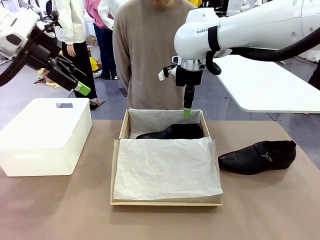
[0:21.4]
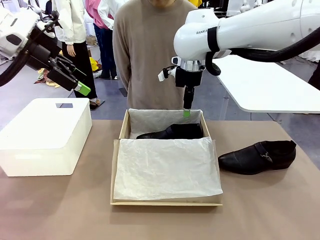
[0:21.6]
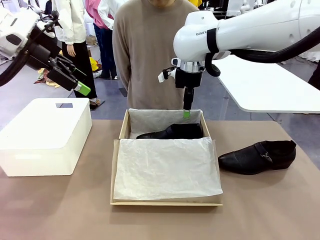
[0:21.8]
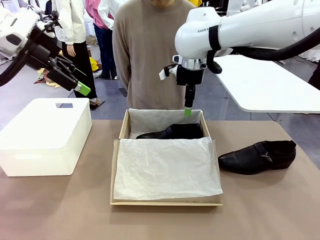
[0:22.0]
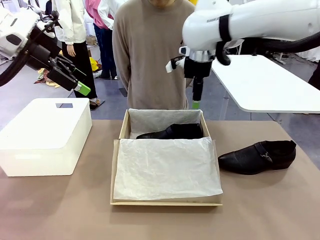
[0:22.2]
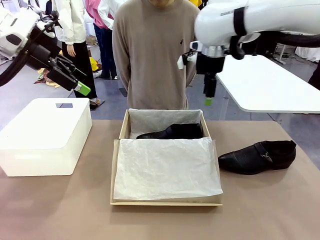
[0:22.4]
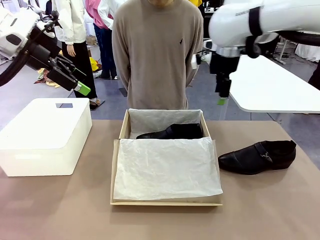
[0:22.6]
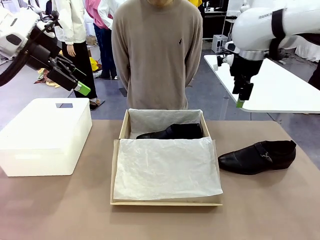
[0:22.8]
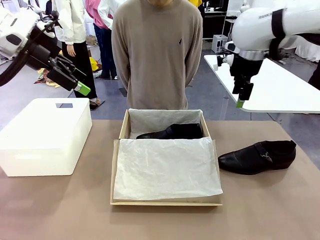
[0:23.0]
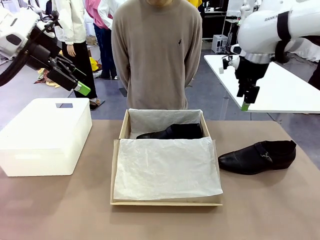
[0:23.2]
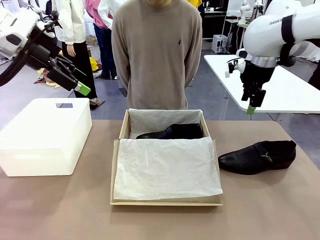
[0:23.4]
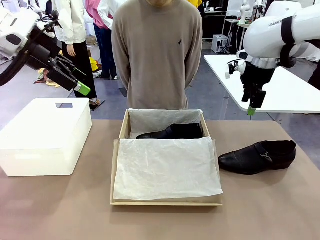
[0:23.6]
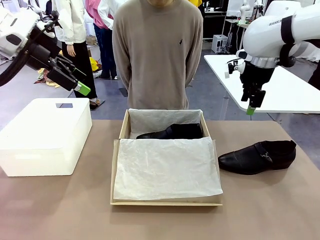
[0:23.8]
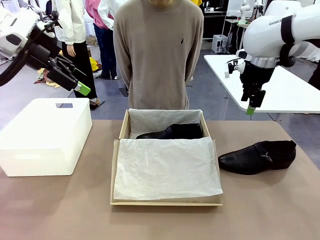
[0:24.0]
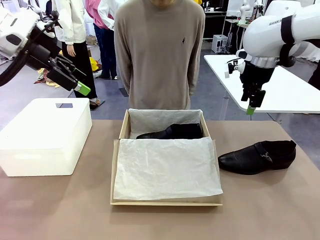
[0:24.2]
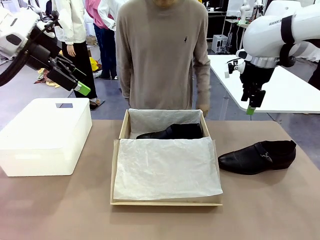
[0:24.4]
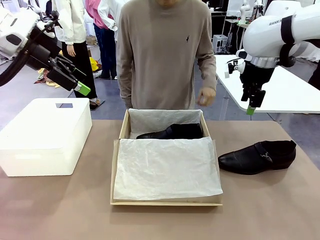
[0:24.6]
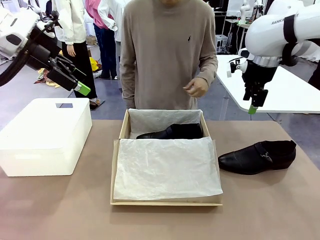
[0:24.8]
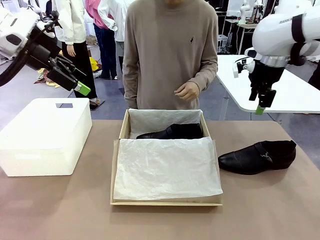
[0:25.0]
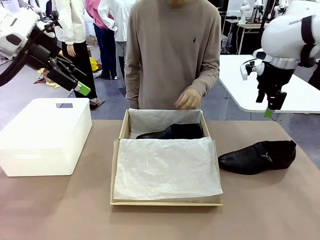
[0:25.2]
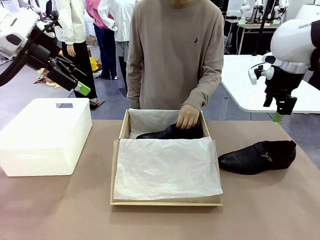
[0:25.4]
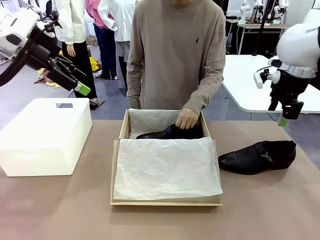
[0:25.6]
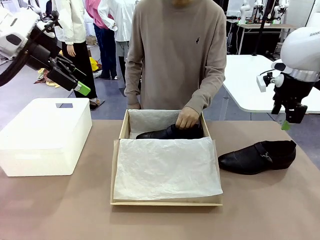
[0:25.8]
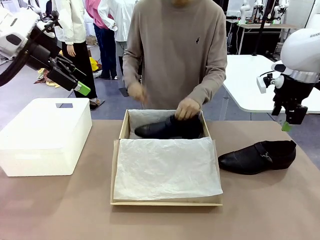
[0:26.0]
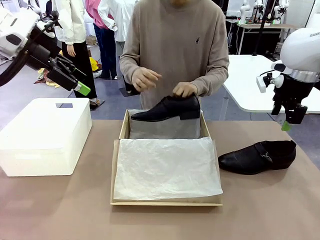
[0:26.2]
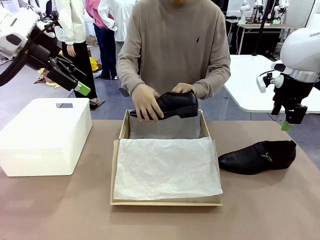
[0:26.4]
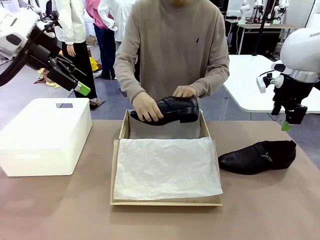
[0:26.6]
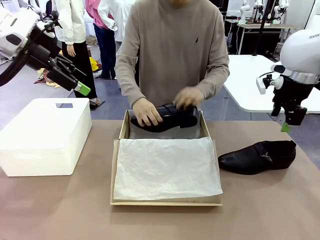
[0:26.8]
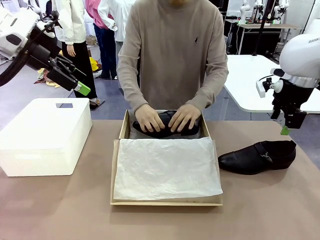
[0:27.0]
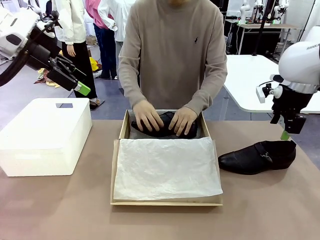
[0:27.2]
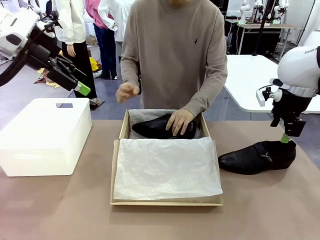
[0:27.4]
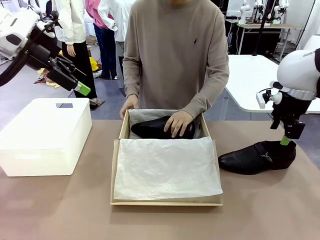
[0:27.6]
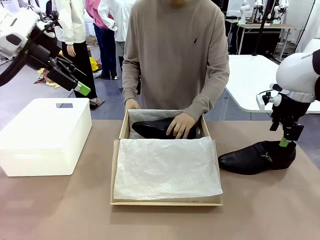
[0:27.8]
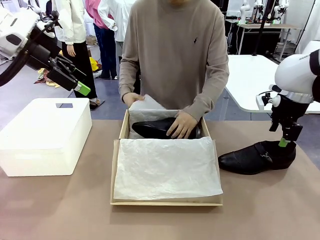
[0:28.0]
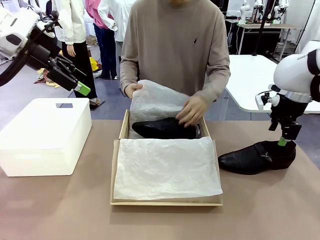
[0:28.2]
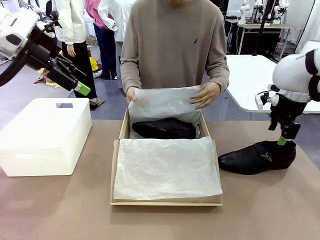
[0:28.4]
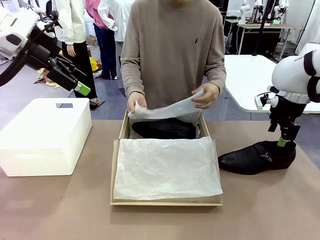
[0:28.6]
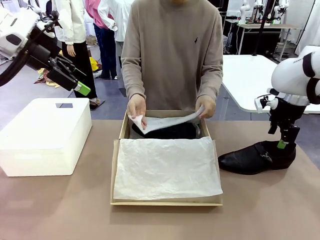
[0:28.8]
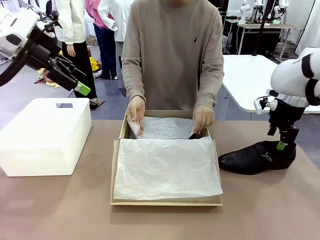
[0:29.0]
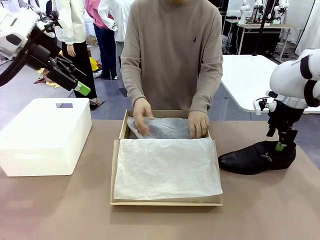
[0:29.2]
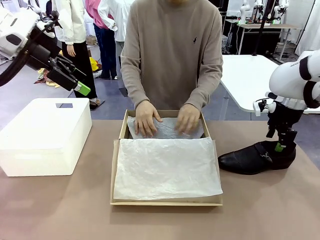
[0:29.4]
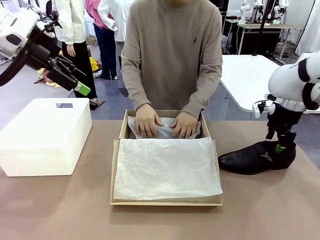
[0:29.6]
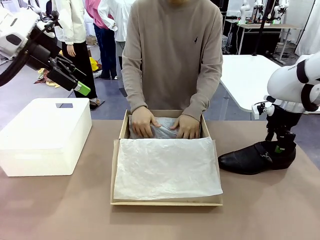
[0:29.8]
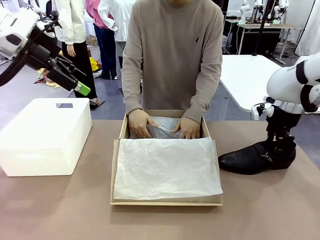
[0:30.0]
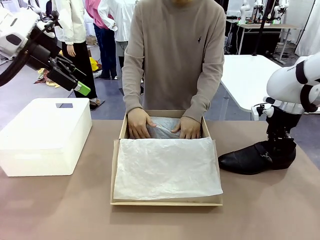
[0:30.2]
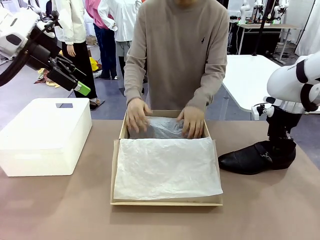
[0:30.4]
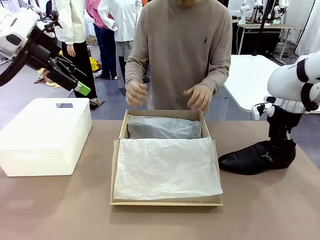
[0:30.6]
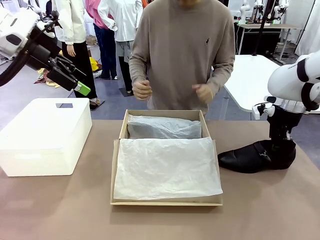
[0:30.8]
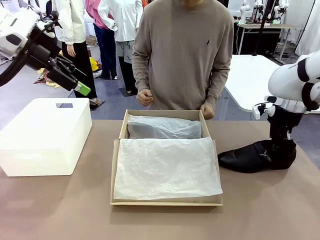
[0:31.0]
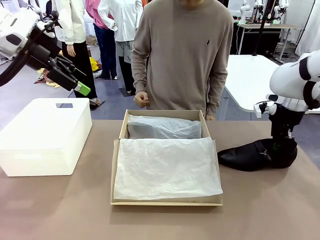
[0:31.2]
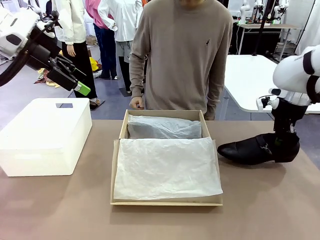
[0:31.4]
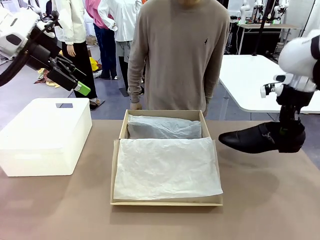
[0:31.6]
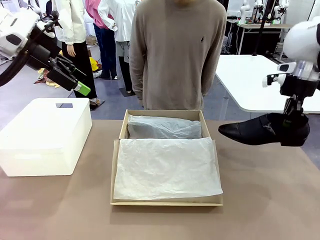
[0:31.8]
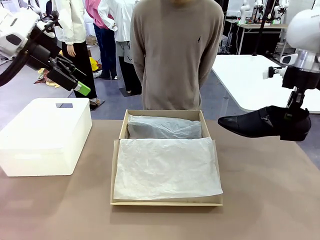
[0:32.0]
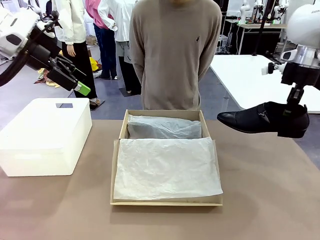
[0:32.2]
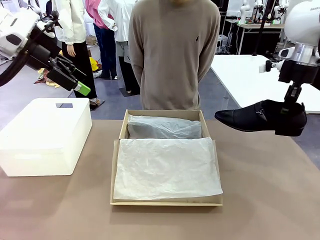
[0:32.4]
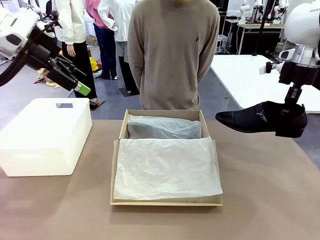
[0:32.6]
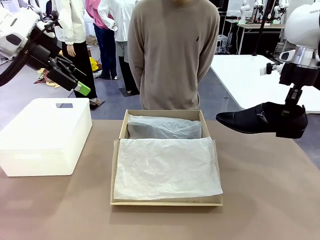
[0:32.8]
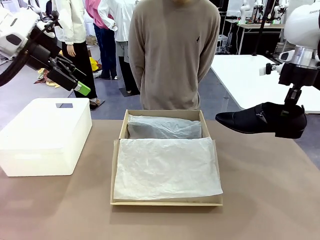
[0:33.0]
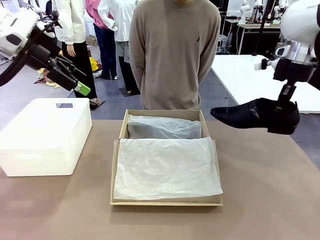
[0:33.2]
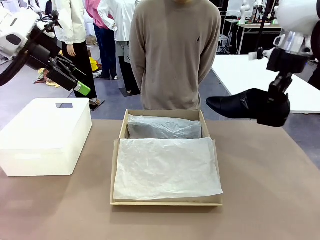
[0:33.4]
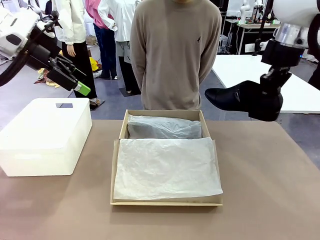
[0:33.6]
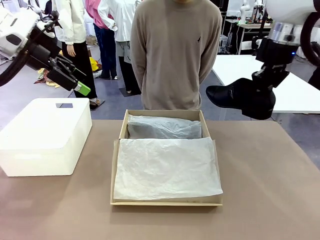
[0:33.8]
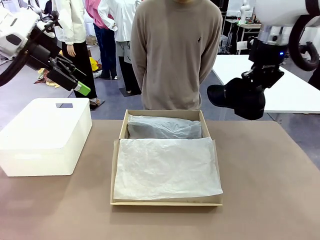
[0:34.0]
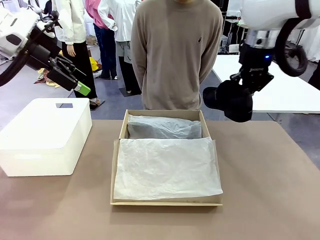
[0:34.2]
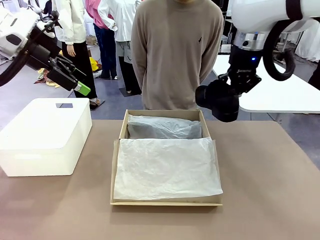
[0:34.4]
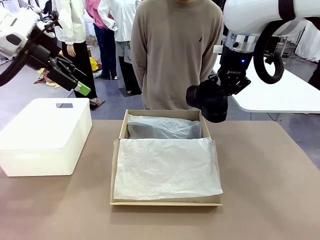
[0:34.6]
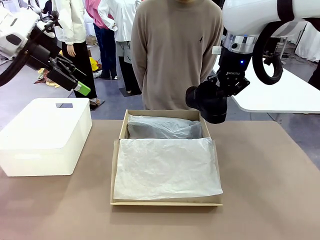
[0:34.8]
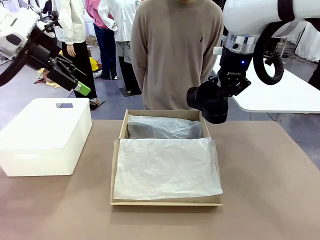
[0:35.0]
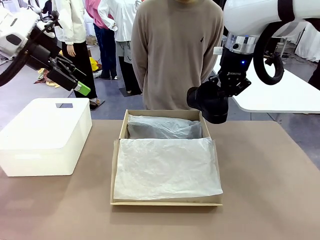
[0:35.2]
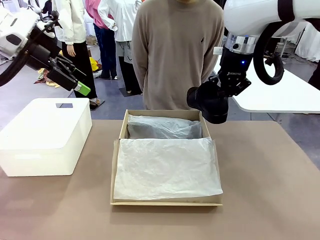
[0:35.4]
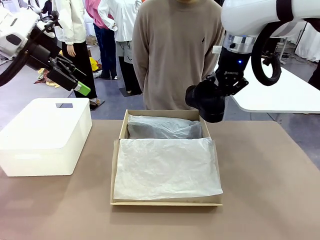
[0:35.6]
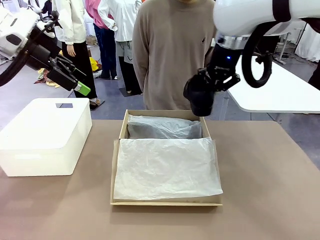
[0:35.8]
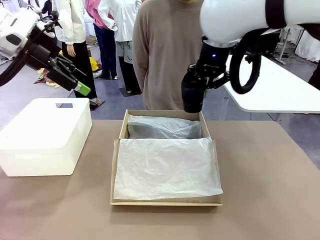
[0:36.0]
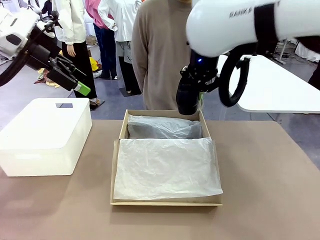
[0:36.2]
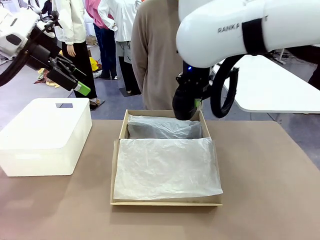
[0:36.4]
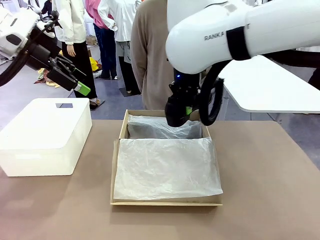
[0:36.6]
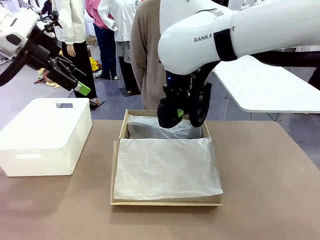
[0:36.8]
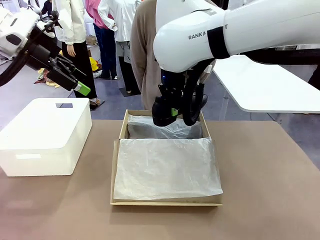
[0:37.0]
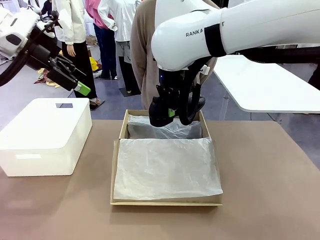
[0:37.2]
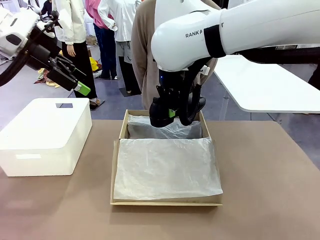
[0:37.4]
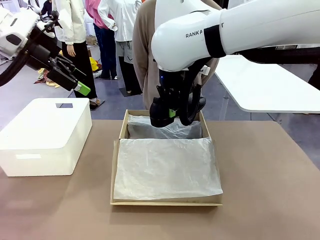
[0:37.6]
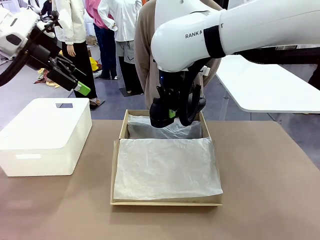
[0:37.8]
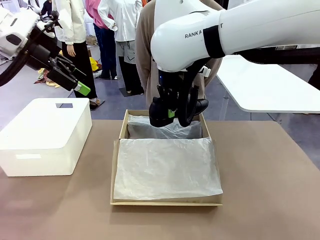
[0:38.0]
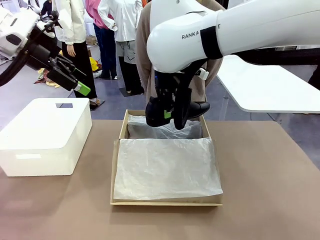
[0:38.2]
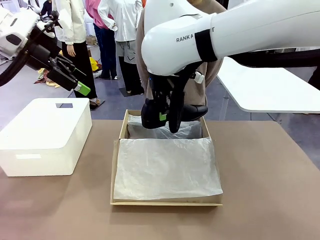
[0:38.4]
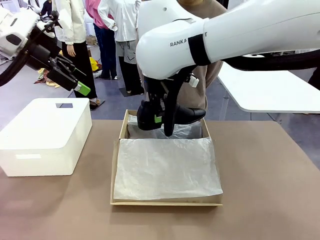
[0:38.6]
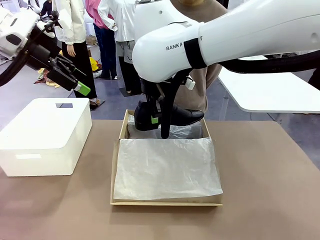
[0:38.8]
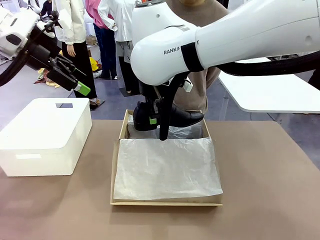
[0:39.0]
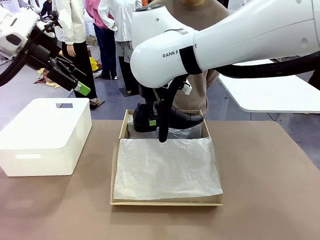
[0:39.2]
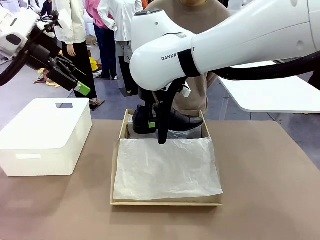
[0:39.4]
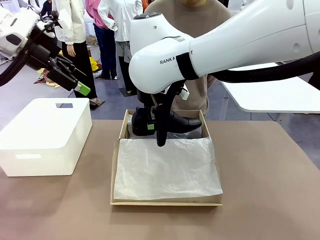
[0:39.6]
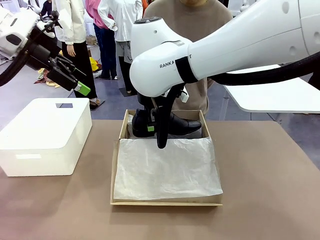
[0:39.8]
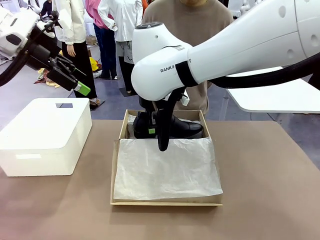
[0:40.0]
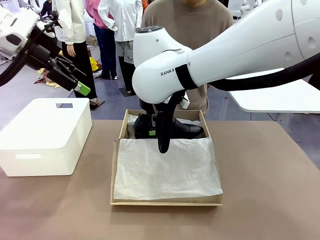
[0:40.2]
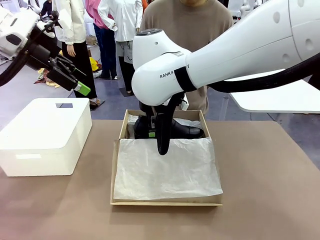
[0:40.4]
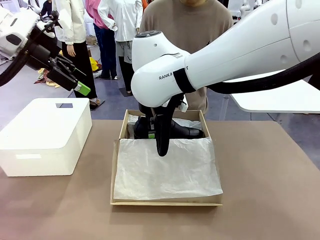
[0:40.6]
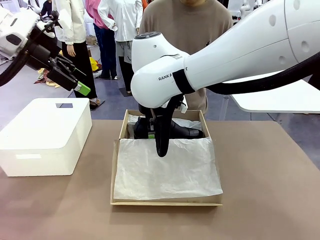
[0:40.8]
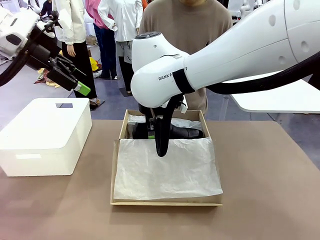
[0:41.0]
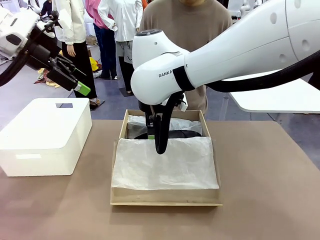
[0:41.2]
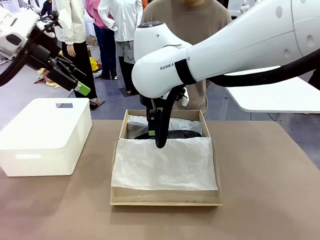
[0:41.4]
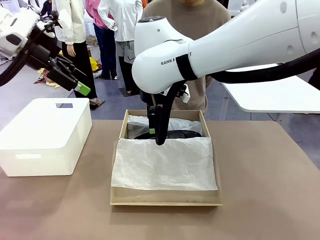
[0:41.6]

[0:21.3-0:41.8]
Task: Pack the shoes into the box.
Robot: Place the other shoe of the Shoes into the Shoes Box.
Person: Pack a shoe of Shoes inside the Shoes Box with Shoes Wrapping Paper.
